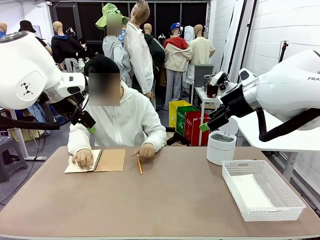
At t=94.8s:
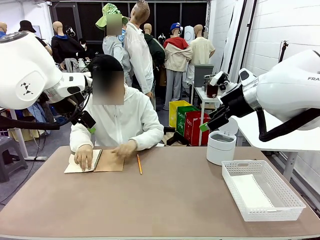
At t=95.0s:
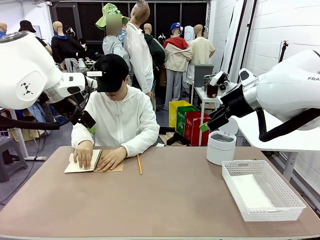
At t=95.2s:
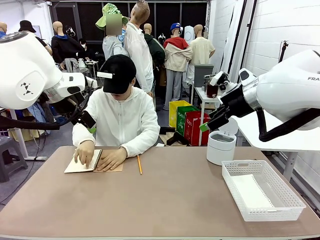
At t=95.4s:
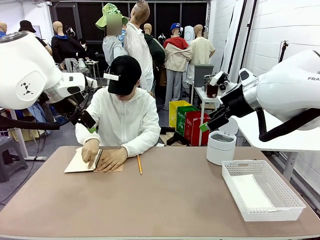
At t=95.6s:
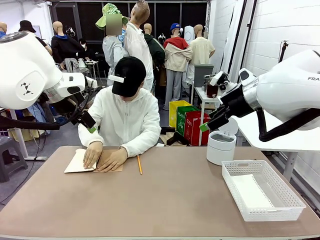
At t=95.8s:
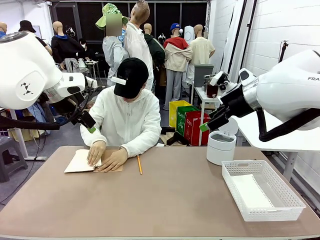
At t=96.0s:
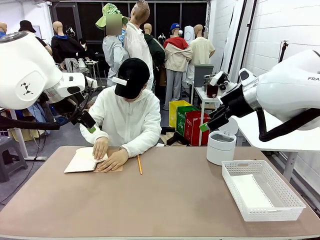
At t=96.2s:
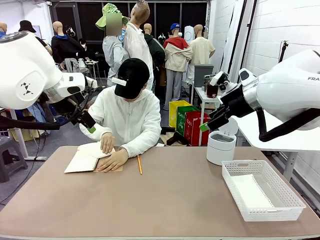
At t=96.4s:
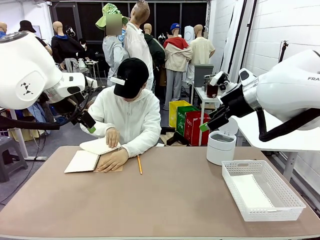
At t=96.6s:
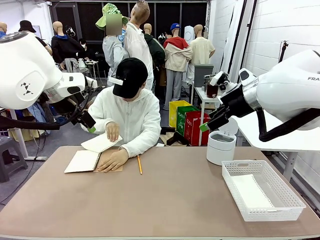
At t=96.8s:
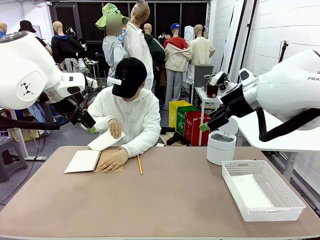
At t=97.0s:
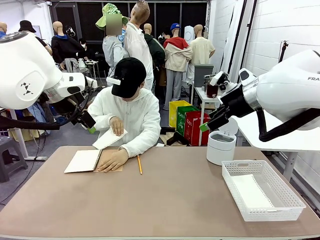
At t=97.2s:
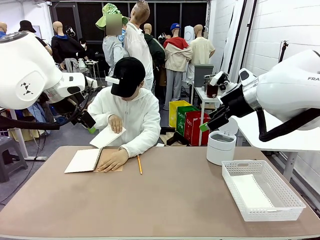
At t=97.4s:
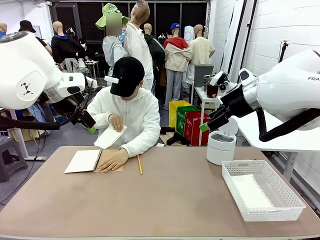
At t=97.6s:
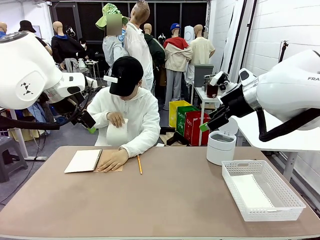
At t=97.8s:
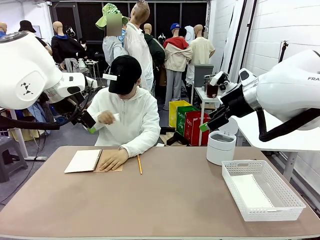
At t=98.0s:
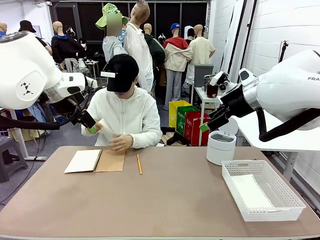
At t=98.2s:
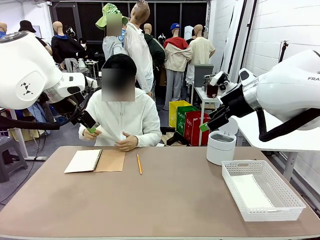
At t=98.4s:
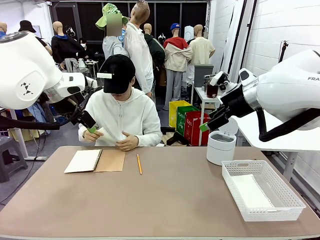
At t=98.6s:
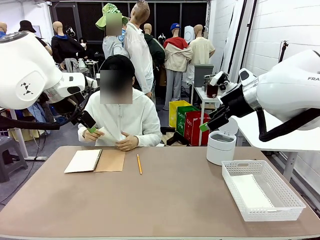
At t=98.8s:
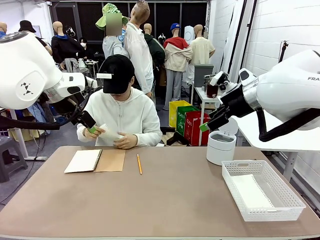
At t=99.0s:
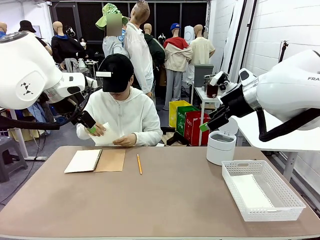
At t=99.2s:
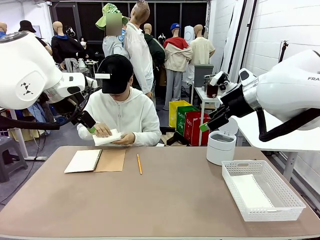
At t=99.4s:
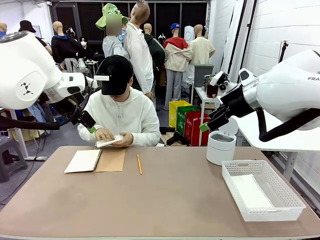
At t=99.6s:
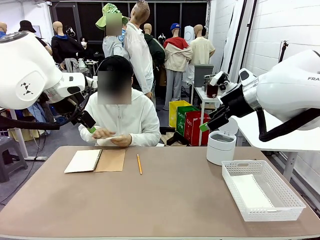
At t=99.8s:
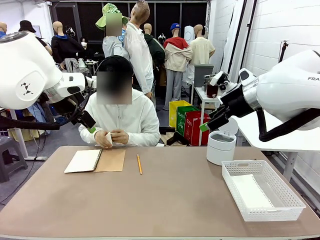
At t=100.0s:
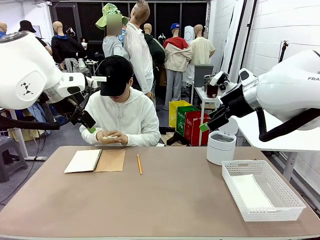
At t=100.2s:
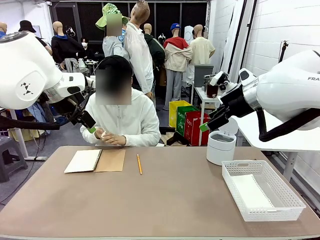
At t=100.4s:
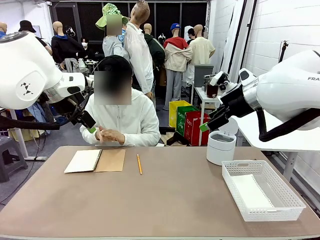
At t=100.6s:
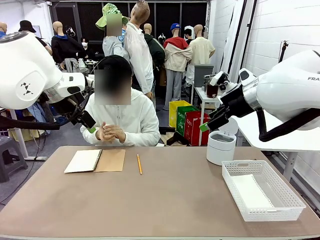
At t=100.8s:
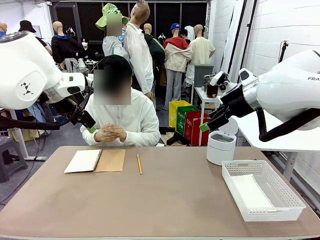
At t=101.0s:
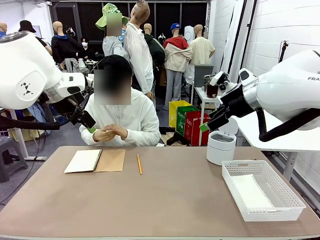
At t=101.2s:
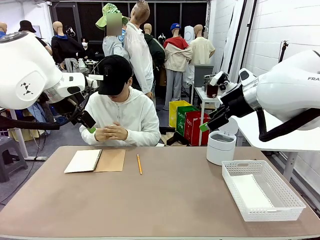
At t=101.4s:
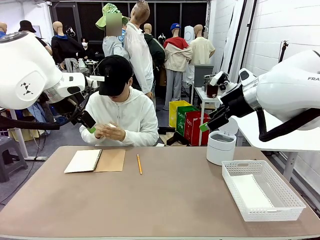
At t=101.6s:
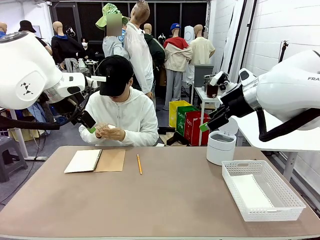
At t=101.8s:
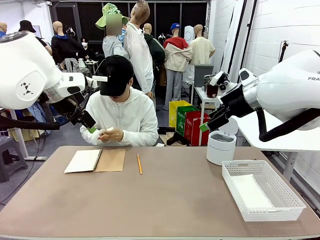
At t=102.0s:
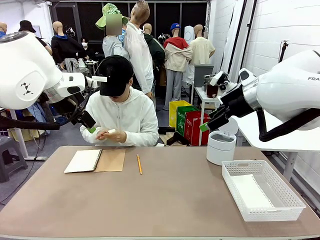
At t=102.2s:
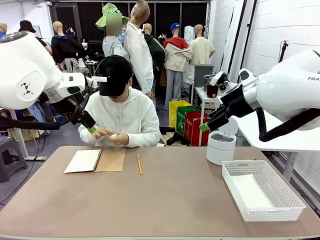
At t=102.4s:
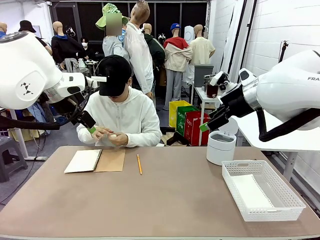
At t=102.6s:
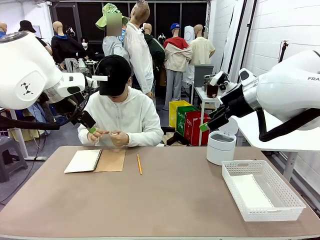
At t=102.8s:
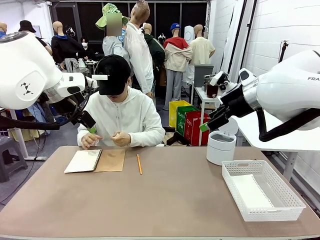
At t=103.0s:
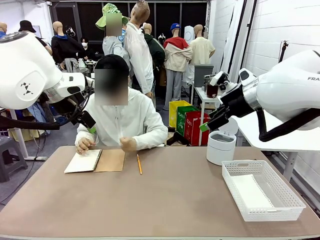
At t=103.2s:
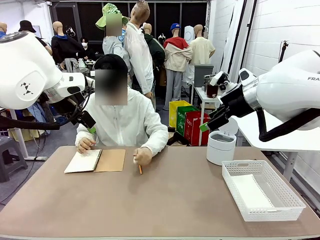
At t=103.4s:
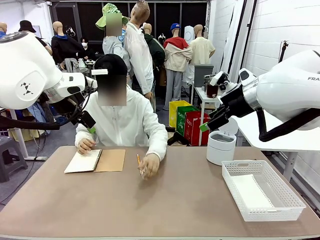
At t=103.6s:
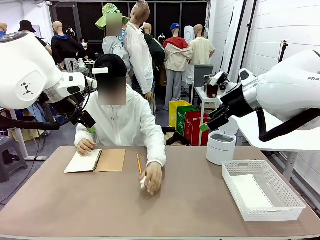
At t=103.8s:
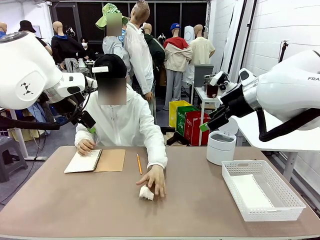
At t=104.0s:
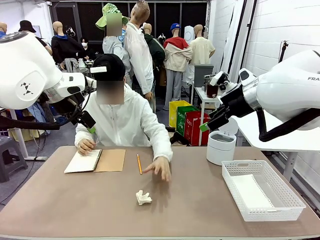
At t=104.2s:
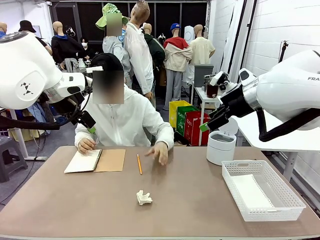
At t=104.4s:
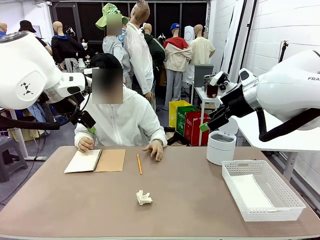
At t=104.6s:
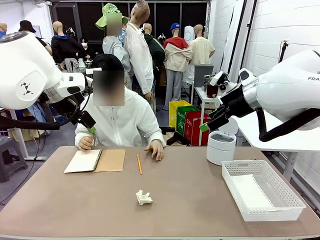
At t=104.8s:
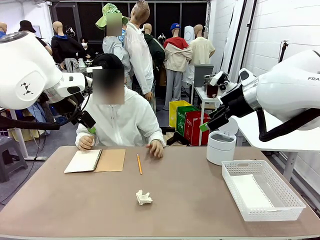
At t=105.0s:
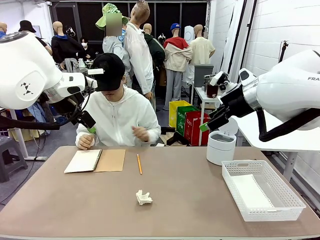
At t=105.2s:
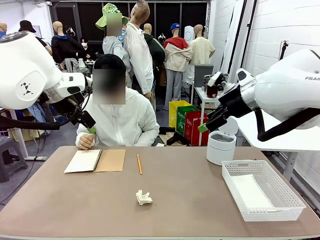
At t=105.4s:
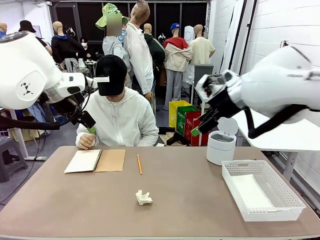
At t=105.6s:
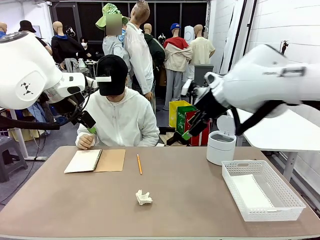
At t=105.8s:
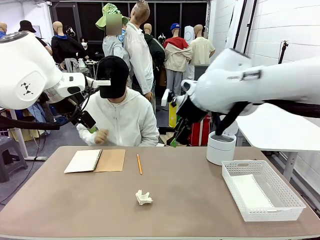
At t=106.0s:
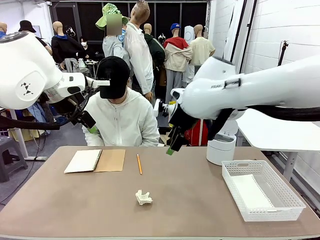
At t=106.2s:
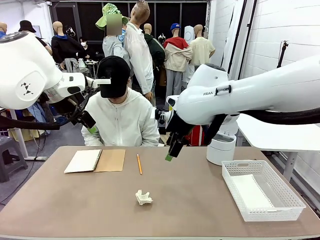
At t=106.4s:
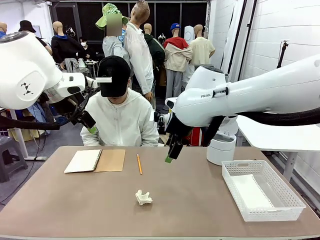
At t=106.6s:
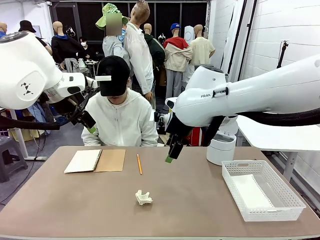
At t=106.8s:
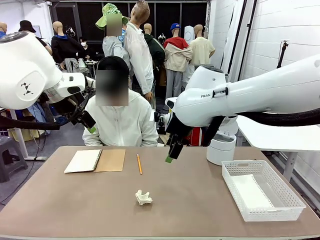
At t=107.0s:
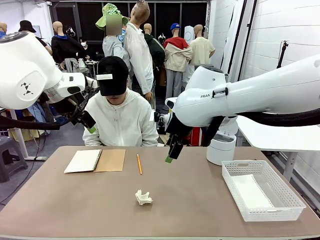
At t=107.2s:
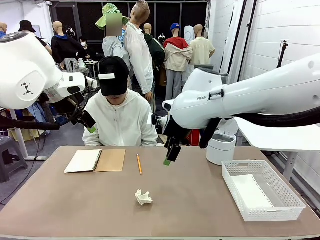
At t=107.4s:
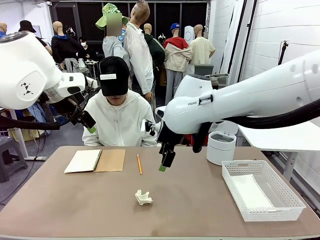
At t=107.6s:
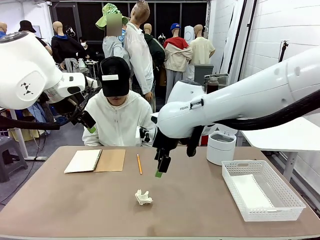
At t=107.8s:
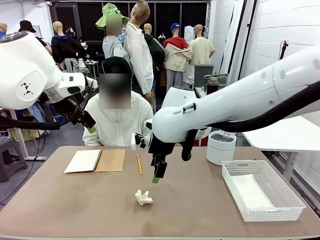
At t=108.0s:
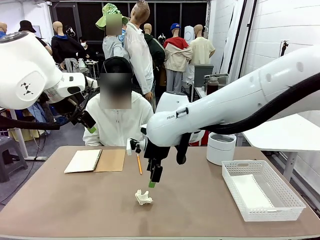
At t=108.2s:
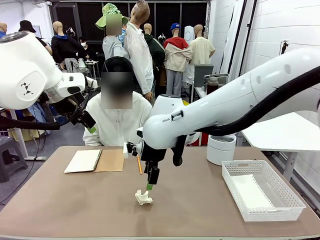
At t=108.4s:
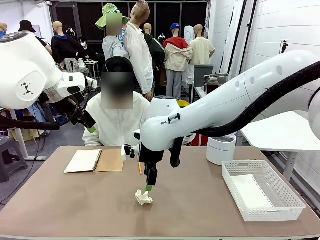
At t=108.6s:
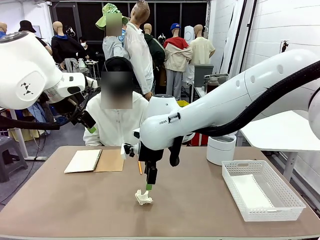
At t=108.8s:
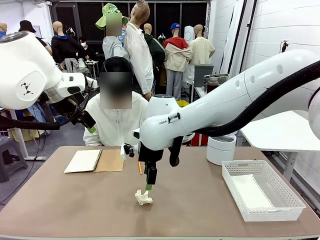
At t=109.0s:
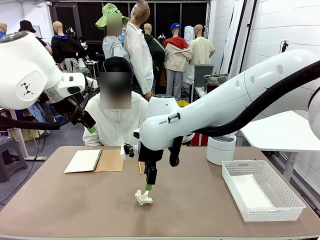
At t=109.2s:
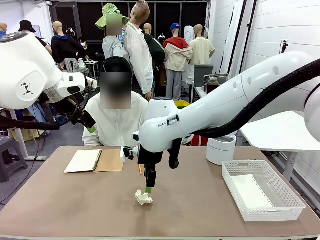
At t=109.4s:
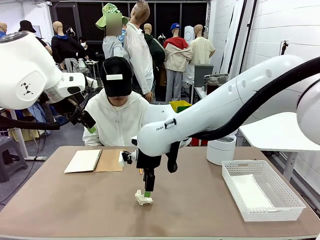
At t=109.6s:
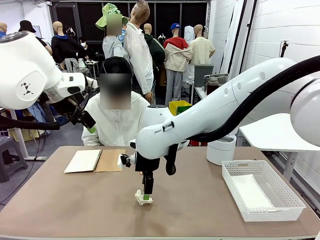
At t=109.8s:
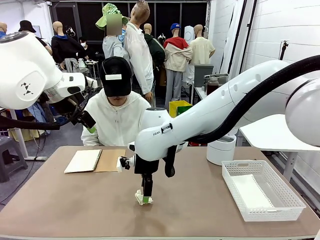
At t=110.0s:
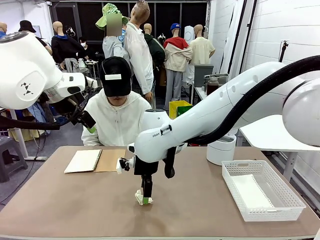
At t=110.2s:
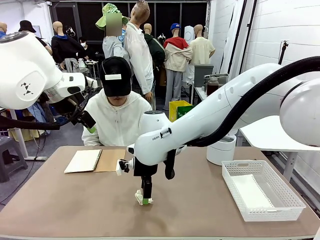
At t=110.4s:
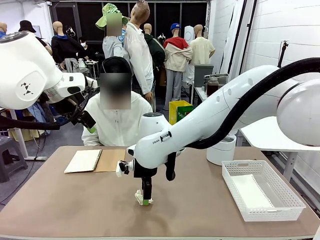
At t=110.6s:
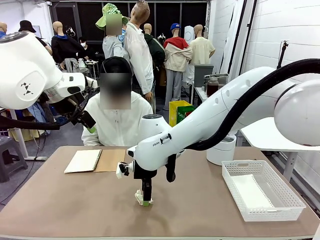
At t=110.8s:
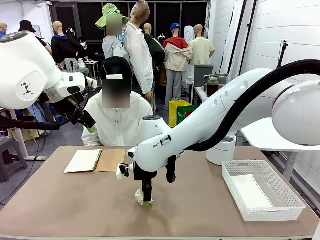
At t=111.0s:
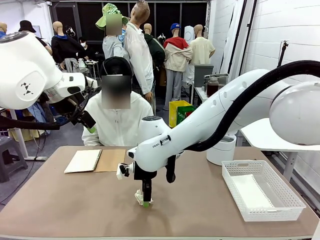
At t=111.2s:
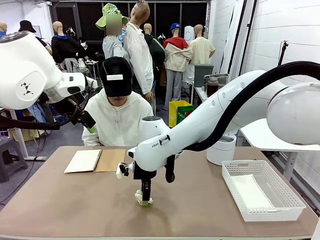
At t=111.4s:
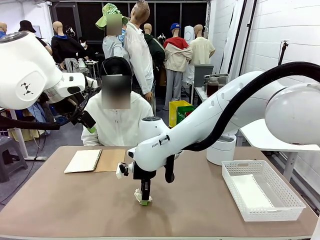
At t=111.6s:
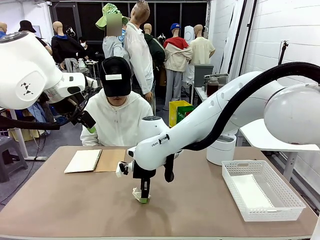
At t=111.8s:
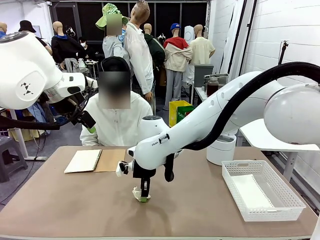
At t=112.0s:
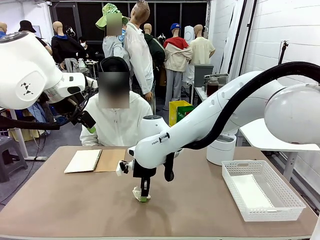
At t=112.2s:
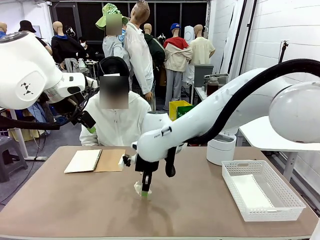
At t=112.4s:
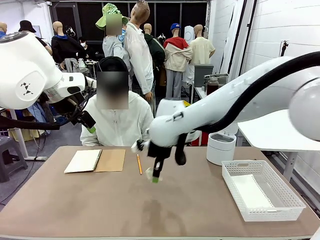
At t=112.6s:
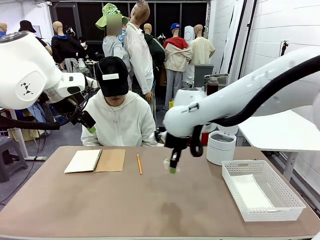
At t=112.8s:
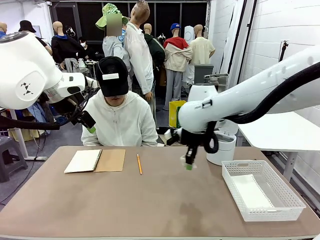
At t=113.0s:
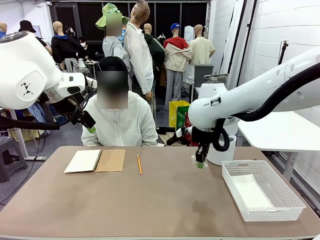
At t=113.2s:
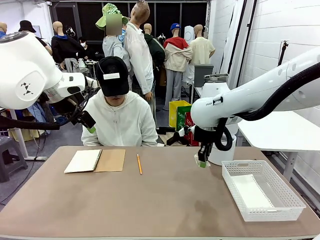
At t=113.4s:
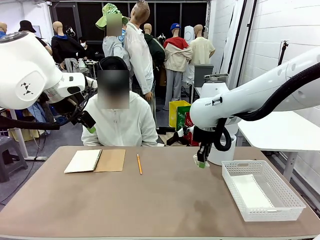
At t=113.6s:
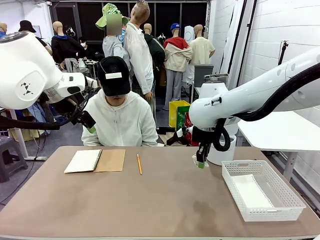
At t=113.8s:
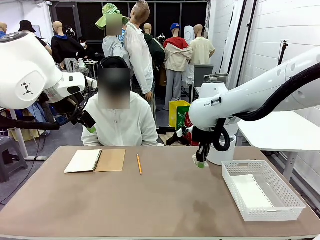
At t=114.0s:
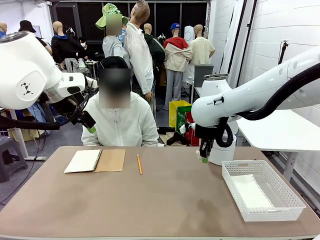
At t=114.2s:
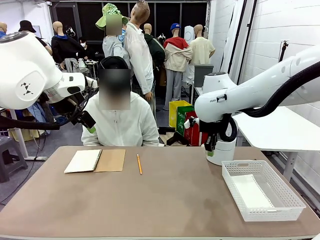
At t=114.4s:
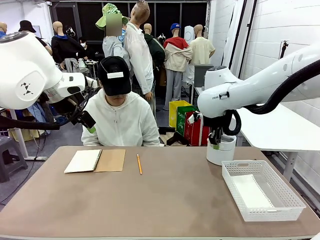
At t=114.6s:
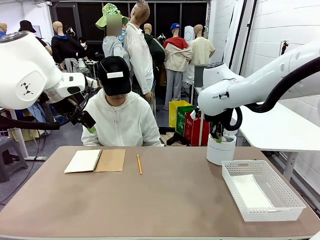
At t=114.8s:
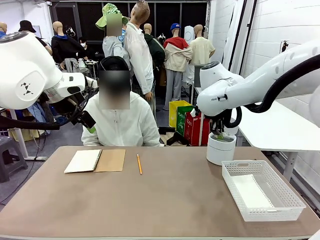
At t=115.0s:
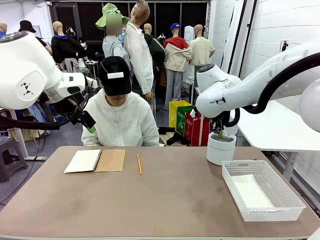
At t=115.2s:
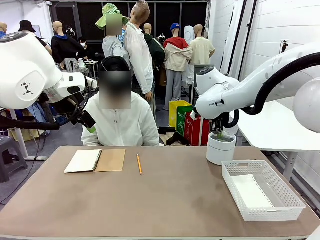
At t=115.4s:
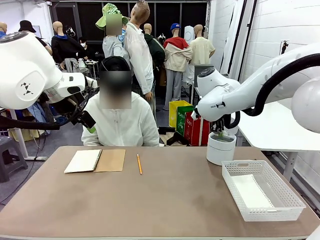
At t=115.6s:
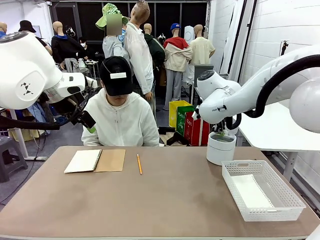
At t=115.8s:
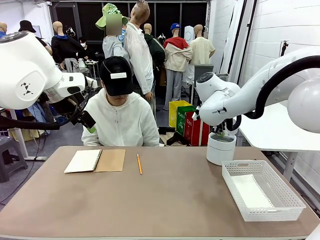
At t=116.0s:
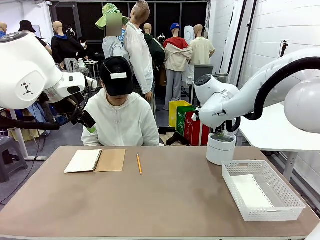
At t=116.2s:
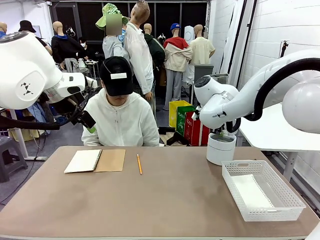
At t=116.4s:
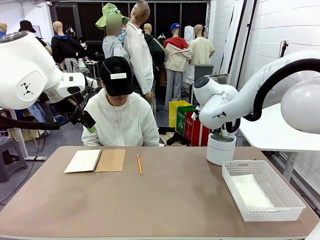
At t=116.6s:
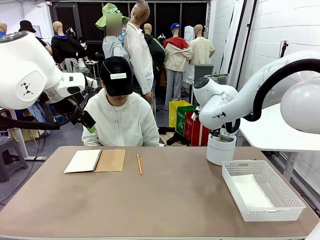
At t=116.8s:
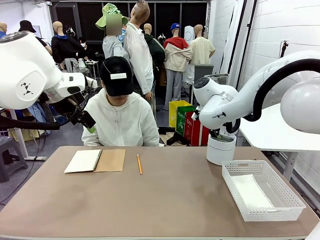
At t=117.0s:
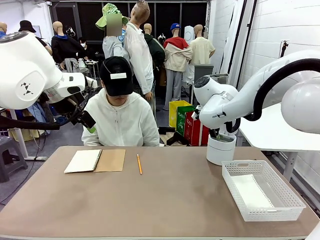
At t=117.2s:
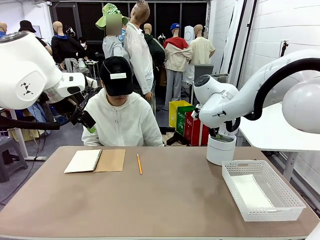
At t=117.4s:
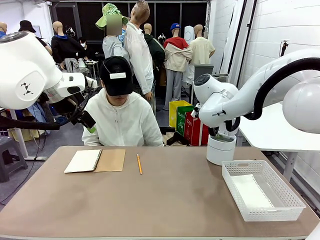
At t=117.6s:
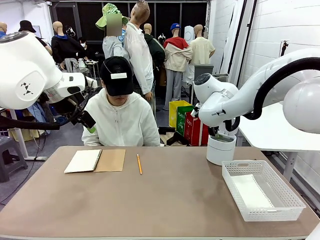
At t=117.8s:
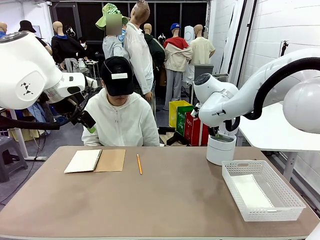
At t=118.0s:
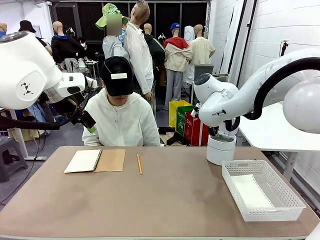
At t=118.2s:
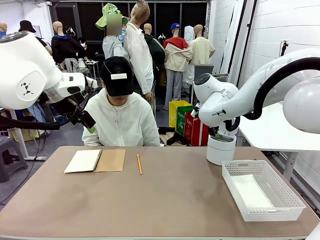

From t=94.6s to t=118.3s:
Task: Sort the paper based on its condition.
Robot: If a person hands you a paper, place it in the Organizing basket , and if it's crumpled, put it in the Trash can.
Person: Hand the torn page to the robot or crumple it and throw it to the center of the table.
